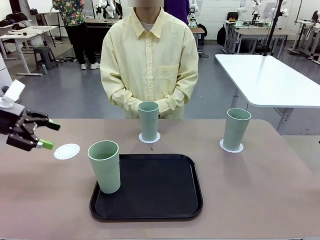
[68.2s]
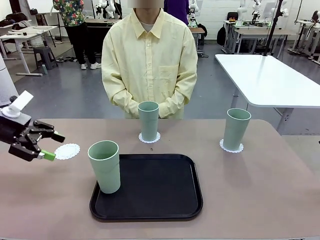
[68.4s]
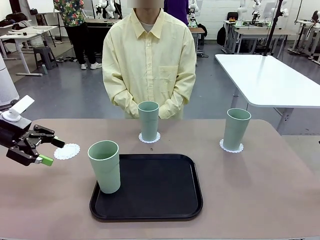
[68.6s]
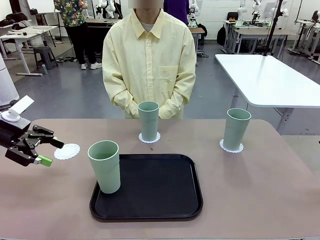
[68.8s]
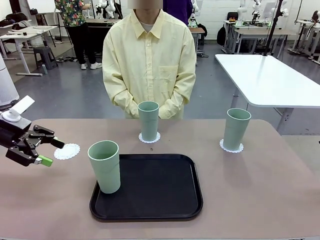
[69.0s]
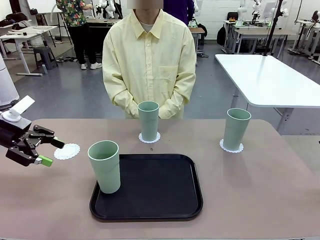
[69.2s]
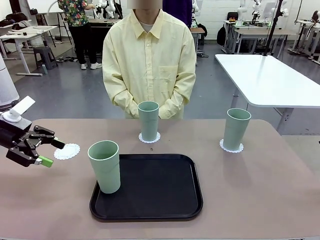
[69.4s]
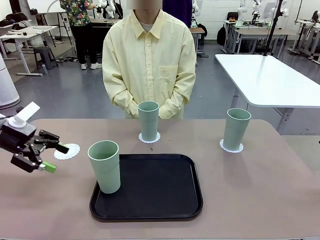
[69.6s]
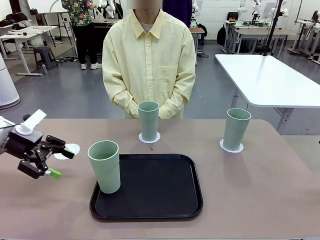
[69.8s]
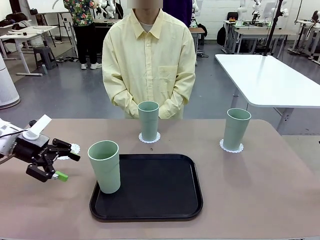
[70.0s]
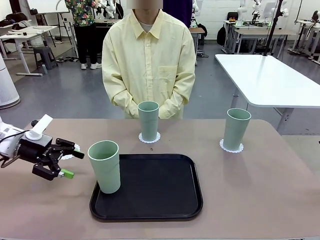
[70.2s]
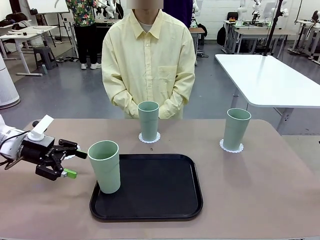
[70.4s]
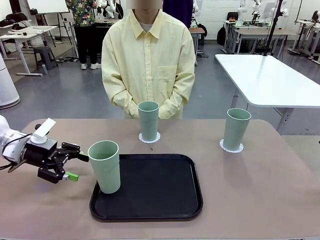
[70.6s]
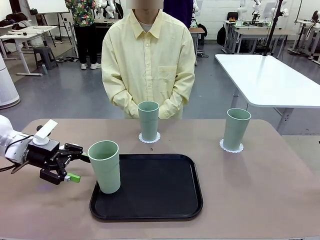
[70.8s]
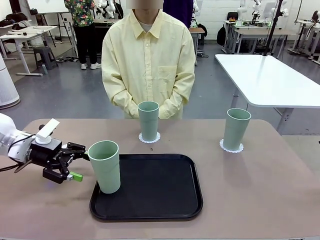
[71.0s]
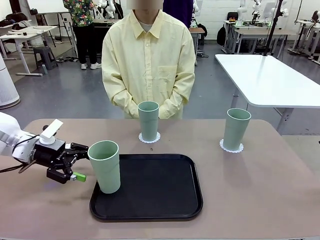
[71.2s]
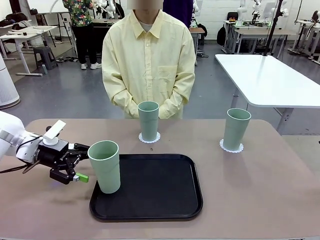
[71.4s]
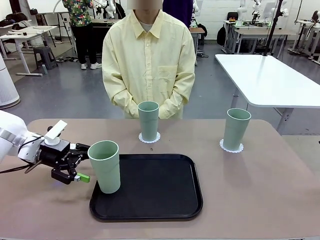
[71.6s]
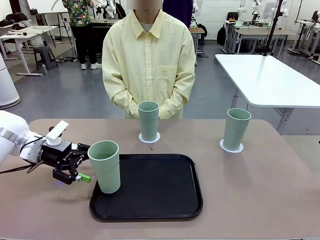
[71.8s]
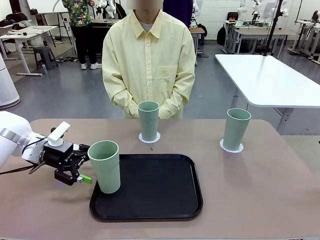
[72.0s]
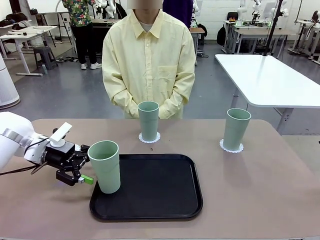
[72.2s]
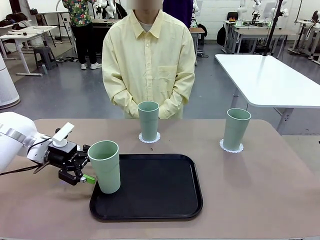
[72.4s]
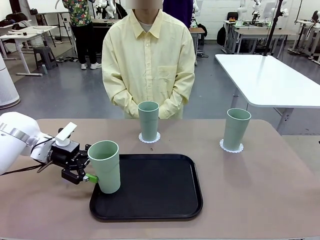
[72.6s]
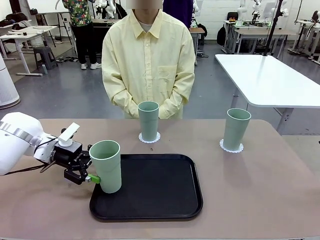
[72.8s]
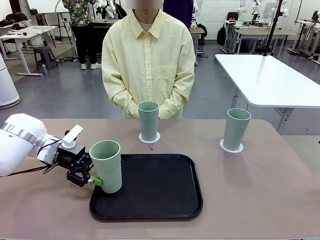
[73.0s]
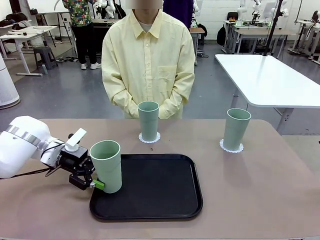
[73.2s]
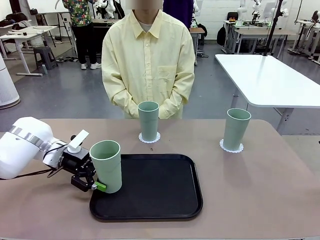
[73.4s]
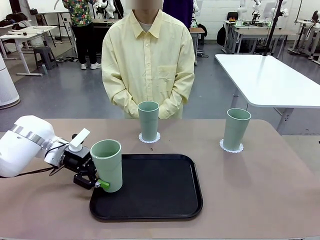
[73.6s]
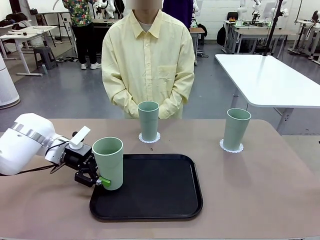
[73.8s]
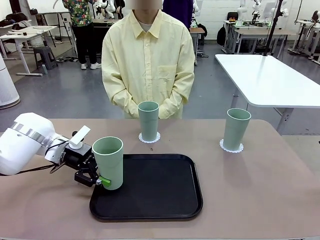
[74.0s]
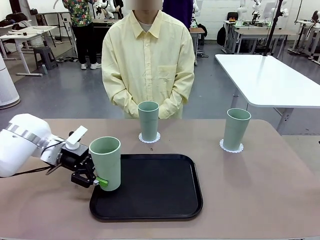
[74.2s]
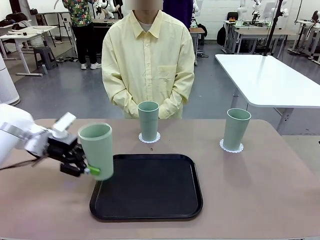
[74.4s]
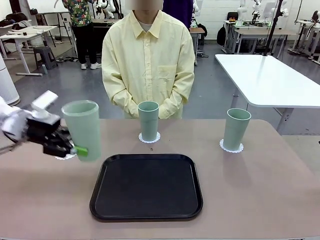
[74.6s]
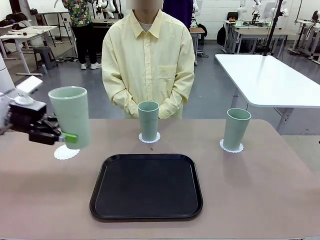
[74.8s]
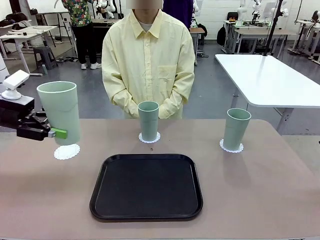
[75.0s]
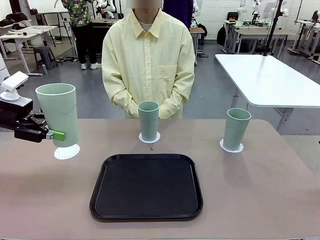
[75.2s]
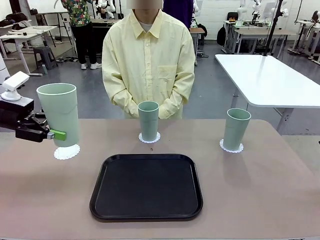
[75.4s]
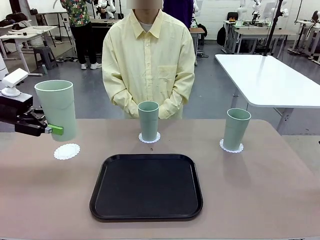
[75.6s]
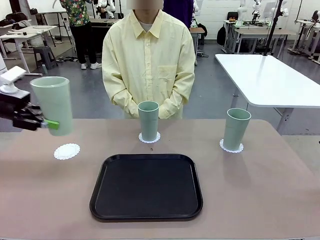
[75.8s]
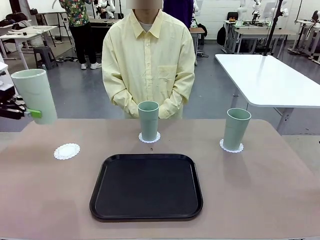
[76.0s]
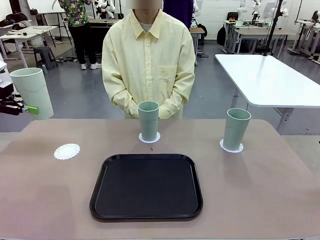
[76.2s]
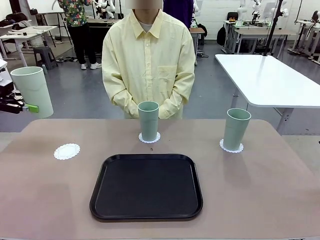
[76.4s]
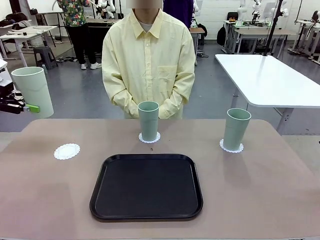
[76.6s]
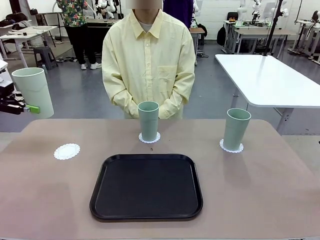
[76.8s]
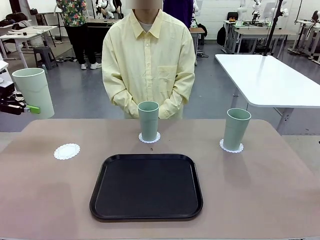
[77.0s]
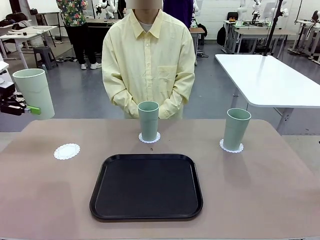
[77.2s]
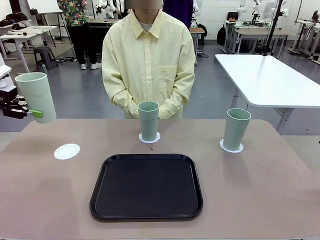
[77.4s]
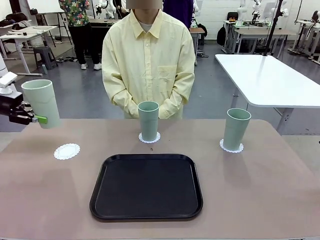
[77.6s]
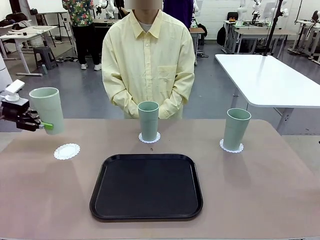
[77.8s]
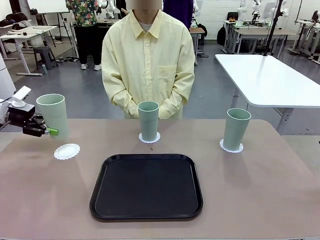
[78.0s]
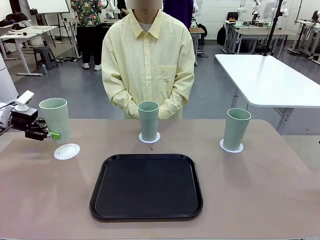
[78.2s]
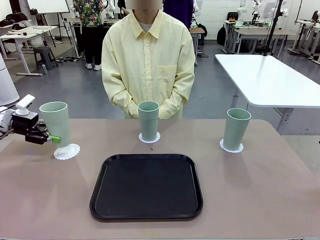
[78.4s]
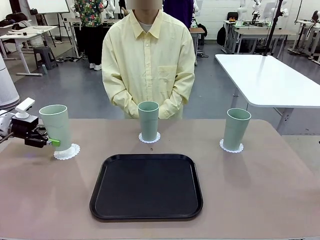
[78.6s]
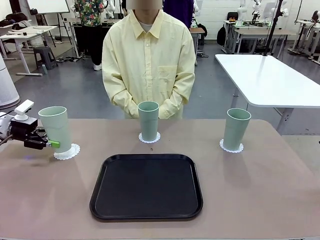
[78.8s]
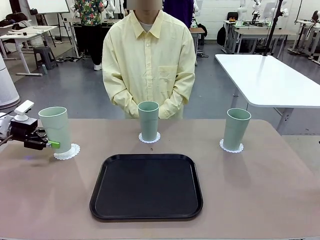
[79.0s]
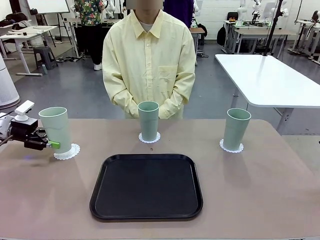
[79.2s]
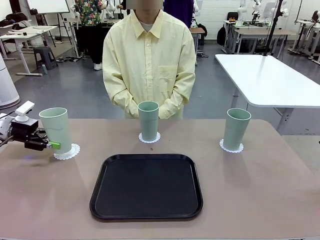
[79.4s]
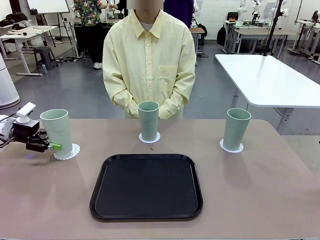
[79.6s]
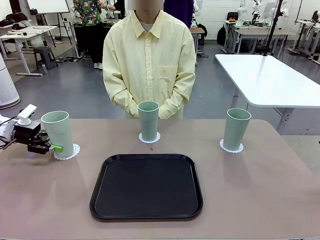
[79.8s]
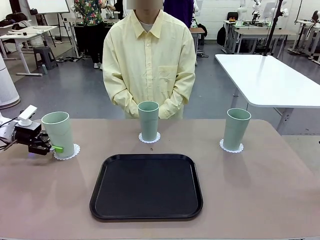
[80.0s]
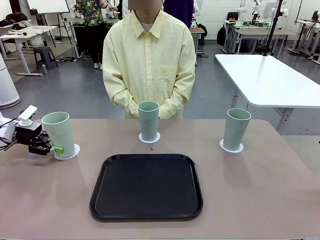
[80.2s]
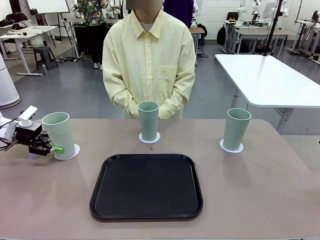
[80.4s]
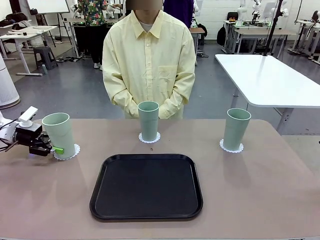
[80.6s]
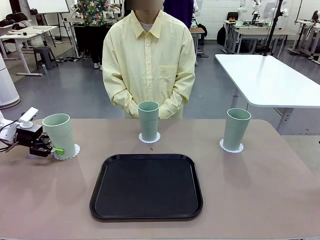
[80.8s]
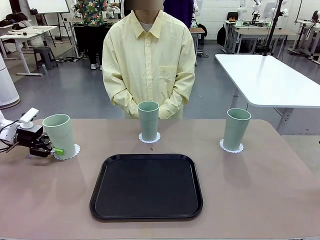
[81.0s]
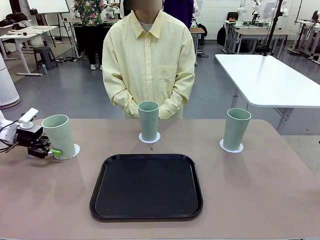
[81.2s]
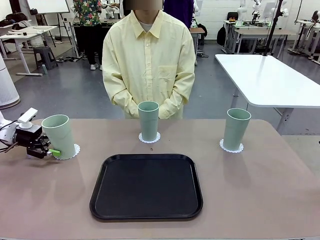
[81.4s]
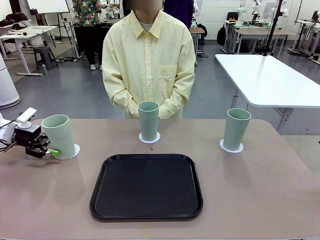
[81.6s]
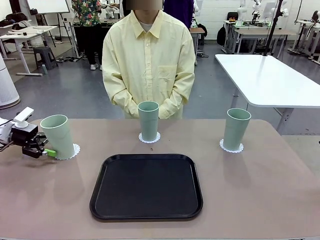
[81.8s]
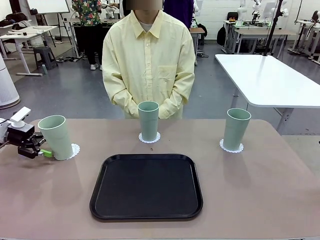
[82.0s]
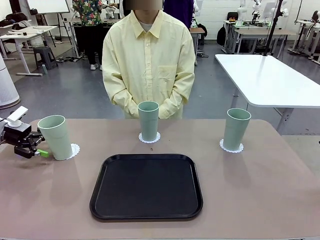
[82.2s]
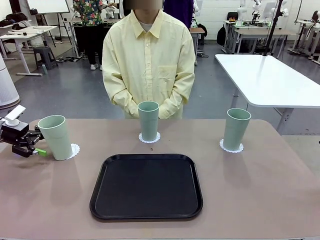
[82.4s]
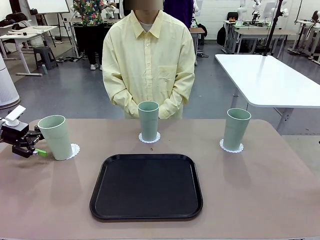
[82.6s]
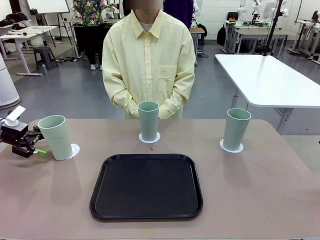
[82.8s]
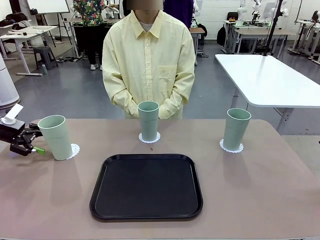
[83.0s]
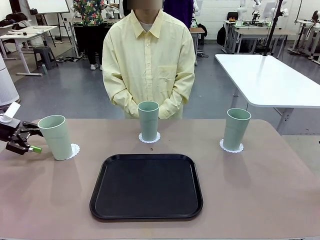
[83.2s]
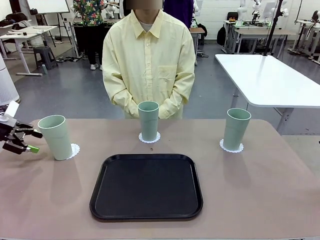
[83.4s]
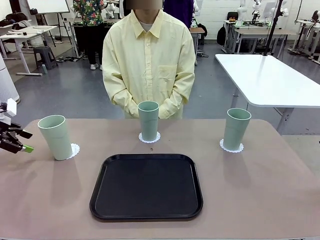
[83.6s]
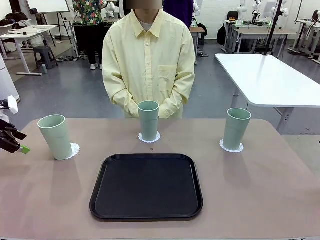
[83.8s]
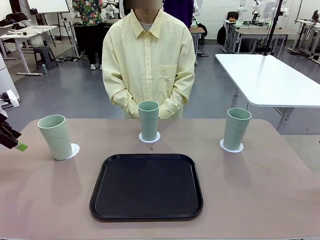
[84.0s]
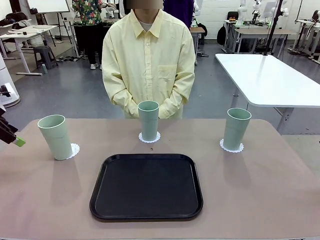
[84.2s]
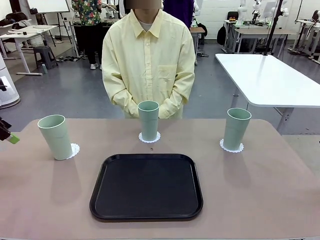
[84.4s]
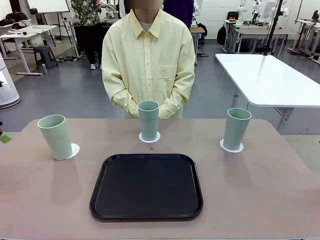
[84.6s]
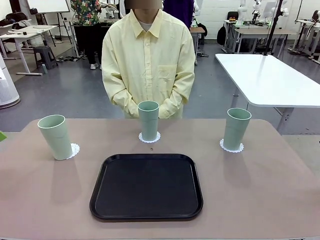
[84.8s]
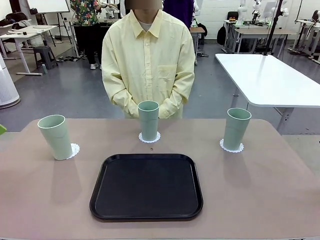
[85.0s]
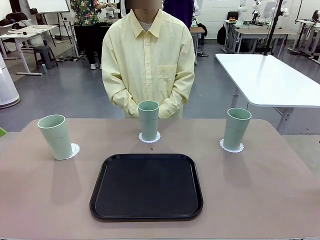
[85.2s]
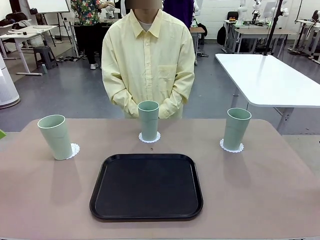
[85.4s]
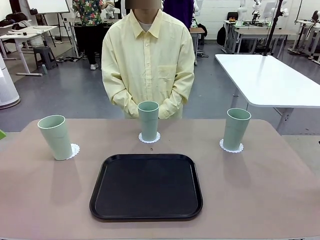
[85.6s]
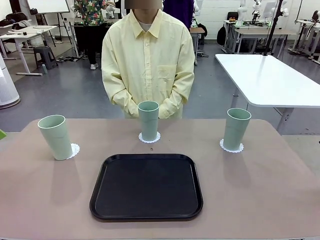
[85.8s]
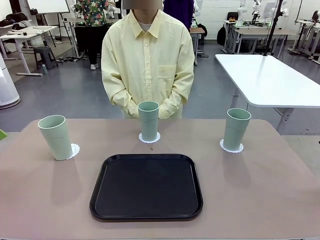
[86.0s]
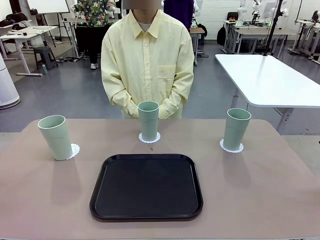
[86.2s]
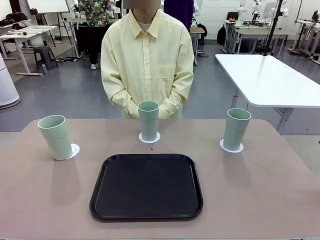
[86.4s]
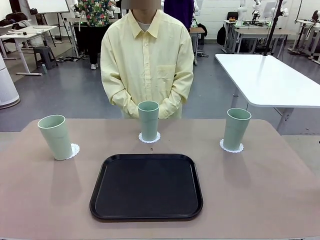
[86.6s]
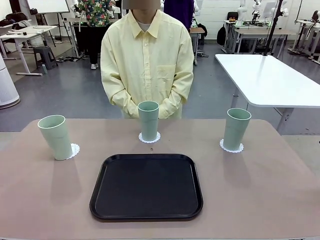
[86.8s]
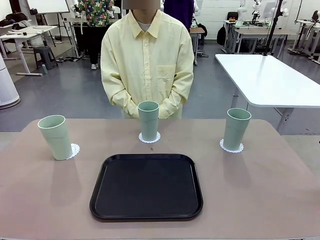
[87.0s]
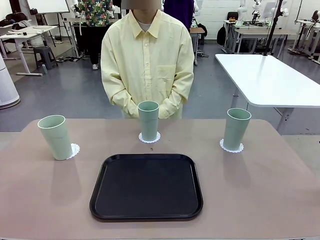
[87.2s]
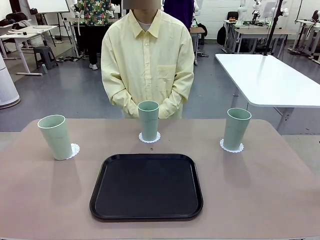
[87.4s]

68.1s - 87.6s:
Task: Place coasters on the table and set cups on them.
Robot: Take one Reusable plastic cup from the Flat Tray and place it on a coaster set by the human.
